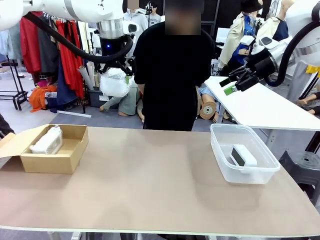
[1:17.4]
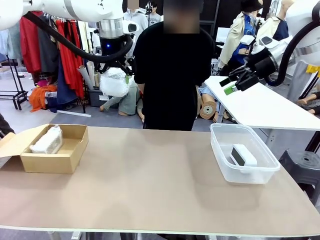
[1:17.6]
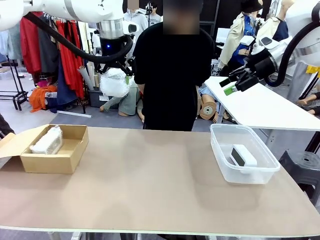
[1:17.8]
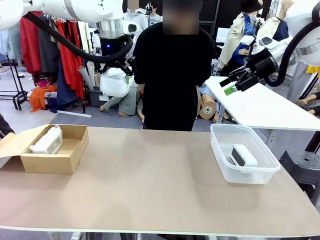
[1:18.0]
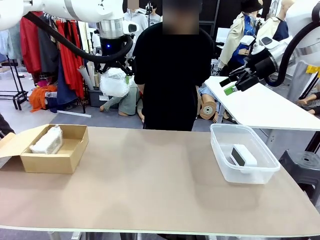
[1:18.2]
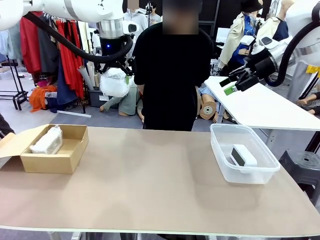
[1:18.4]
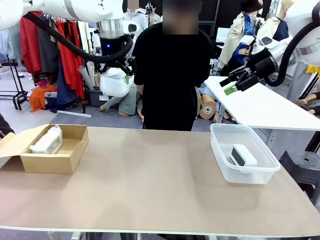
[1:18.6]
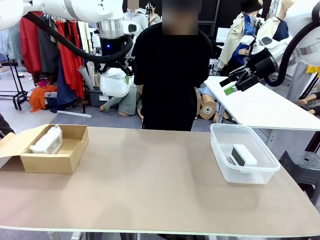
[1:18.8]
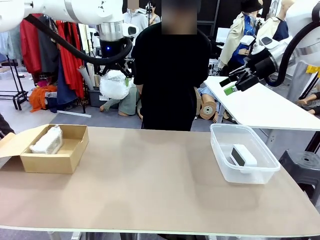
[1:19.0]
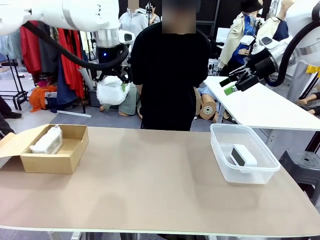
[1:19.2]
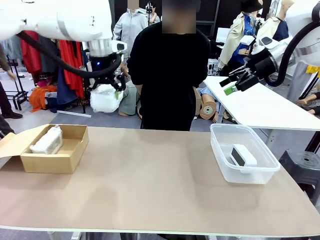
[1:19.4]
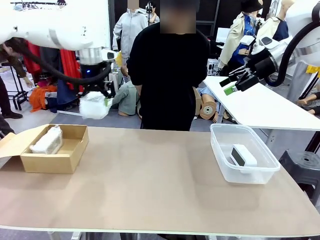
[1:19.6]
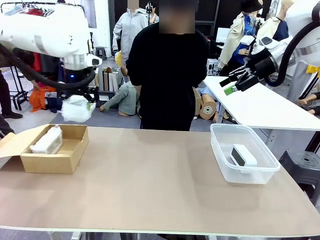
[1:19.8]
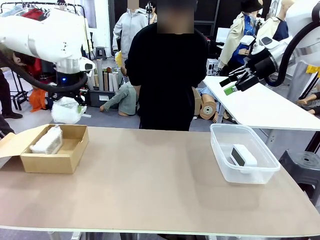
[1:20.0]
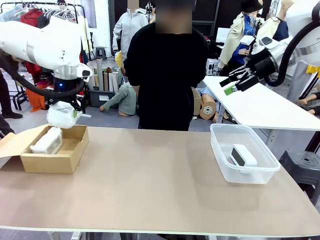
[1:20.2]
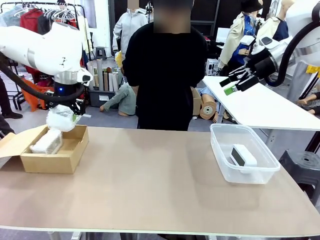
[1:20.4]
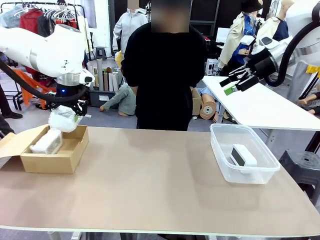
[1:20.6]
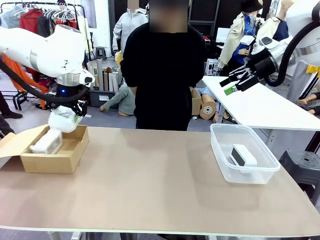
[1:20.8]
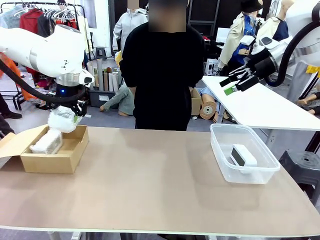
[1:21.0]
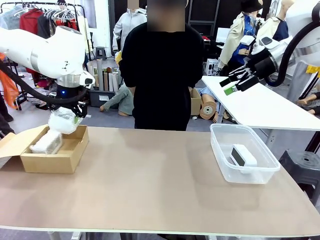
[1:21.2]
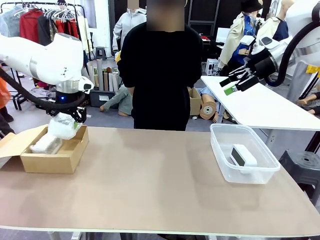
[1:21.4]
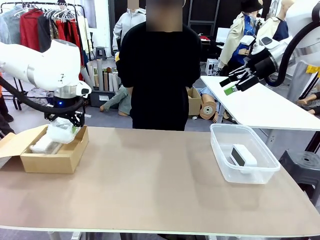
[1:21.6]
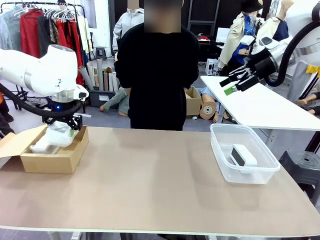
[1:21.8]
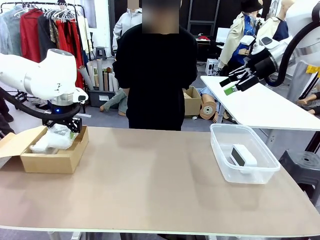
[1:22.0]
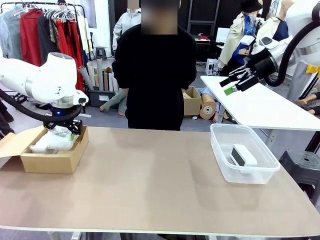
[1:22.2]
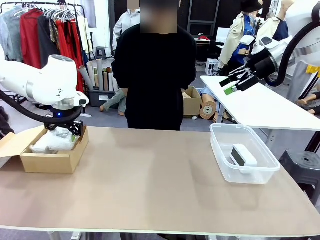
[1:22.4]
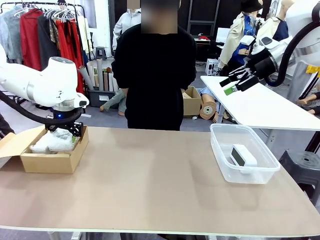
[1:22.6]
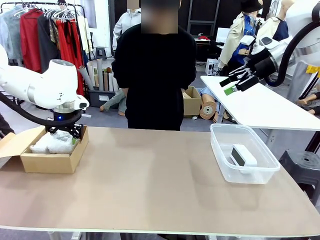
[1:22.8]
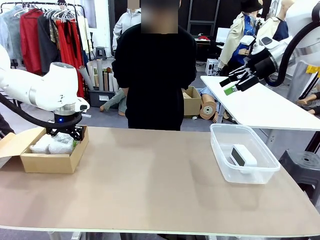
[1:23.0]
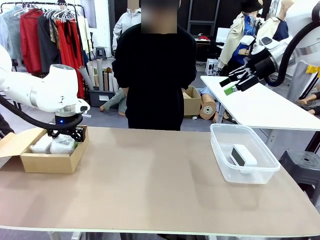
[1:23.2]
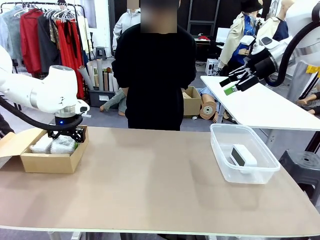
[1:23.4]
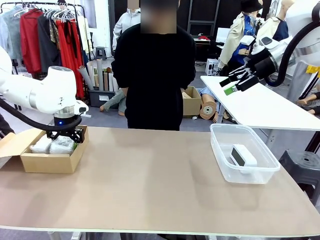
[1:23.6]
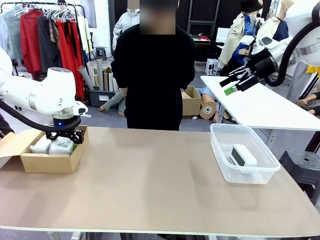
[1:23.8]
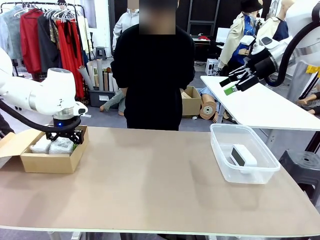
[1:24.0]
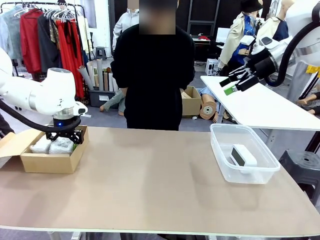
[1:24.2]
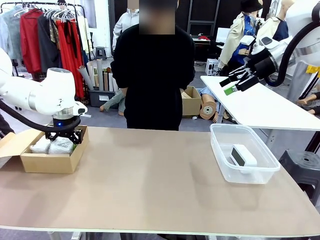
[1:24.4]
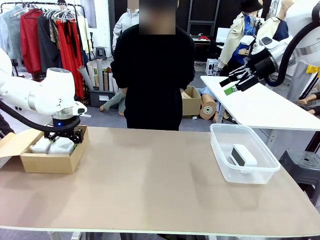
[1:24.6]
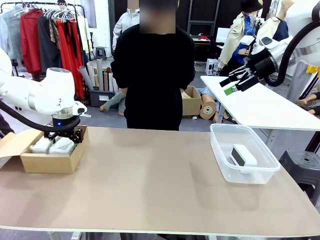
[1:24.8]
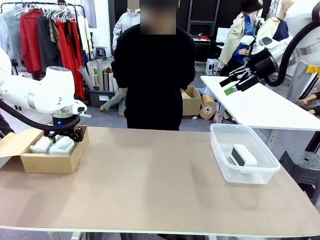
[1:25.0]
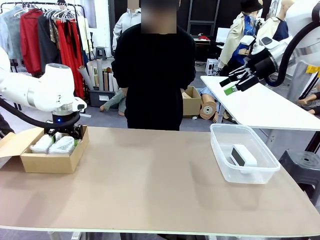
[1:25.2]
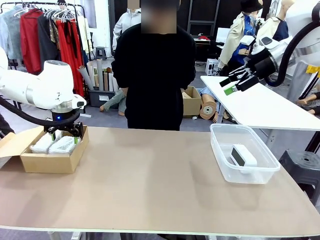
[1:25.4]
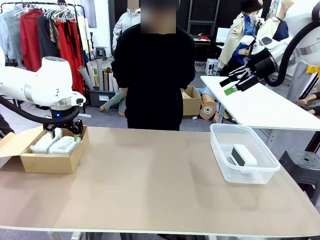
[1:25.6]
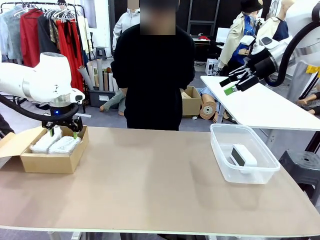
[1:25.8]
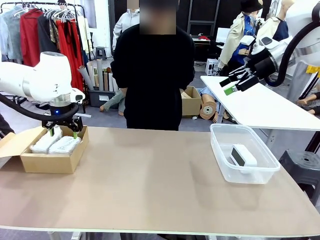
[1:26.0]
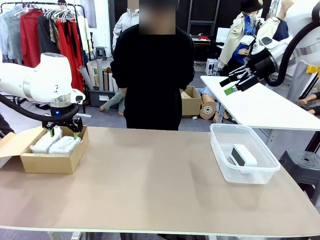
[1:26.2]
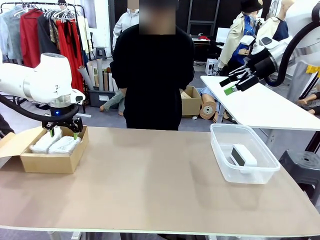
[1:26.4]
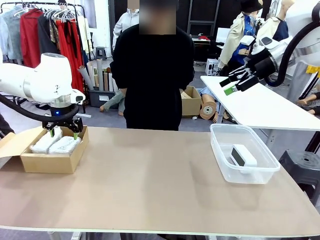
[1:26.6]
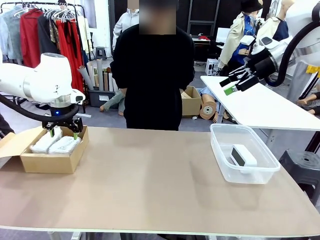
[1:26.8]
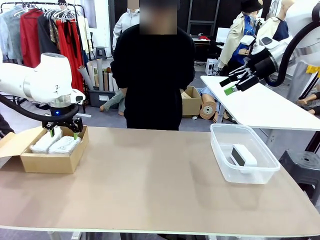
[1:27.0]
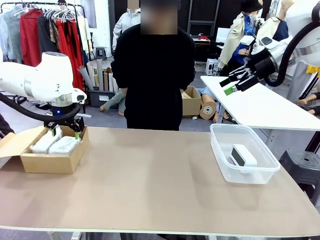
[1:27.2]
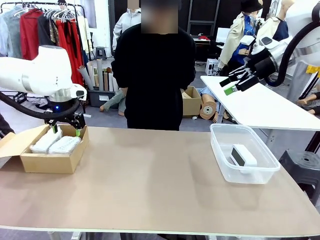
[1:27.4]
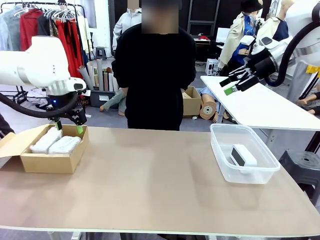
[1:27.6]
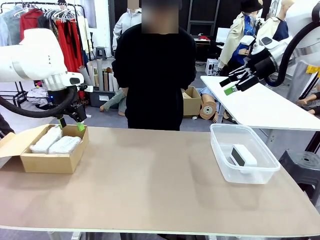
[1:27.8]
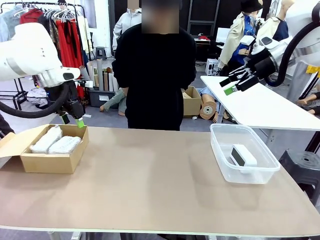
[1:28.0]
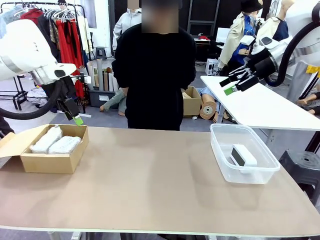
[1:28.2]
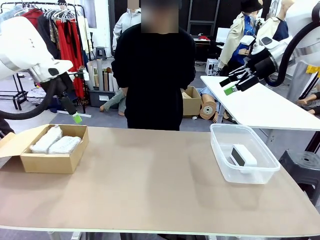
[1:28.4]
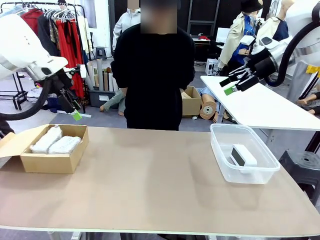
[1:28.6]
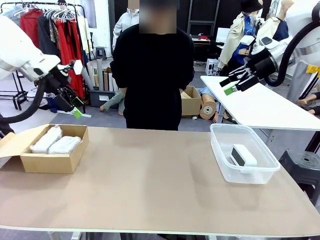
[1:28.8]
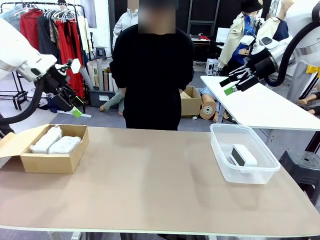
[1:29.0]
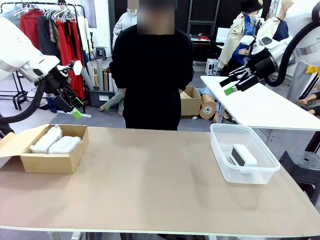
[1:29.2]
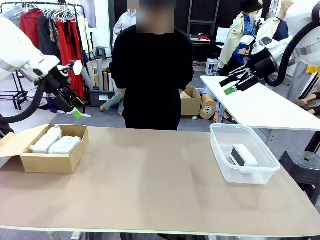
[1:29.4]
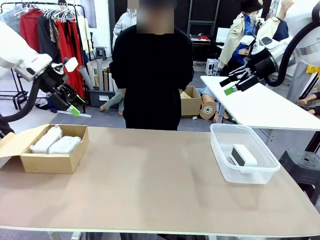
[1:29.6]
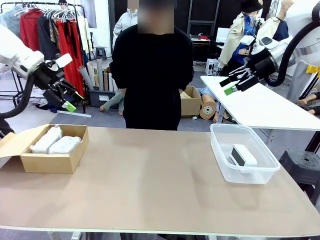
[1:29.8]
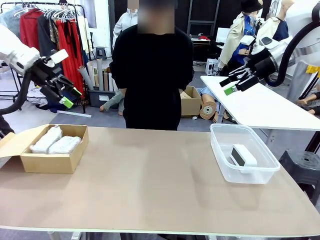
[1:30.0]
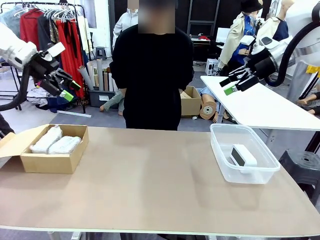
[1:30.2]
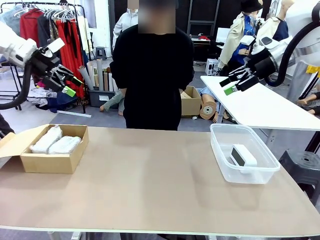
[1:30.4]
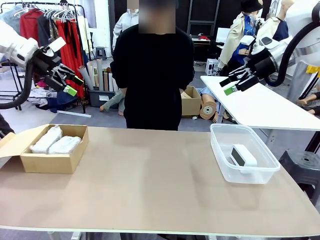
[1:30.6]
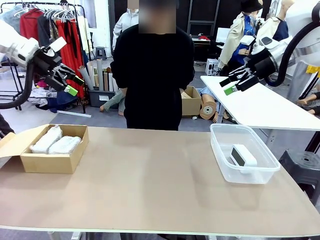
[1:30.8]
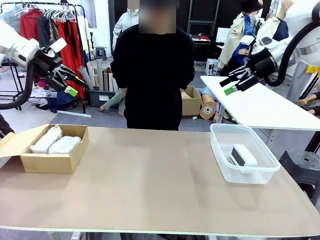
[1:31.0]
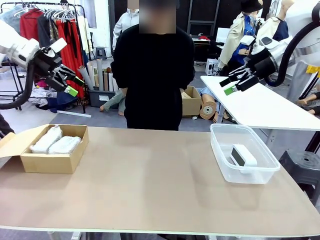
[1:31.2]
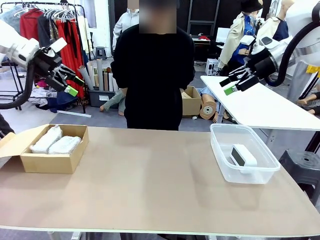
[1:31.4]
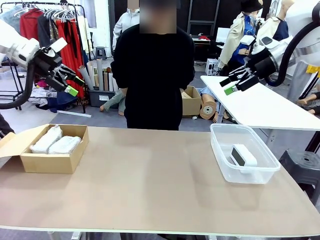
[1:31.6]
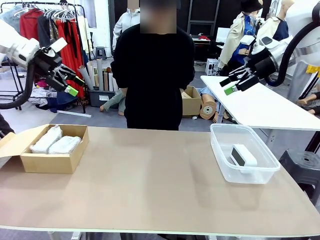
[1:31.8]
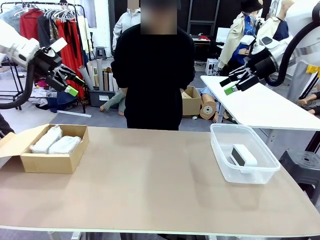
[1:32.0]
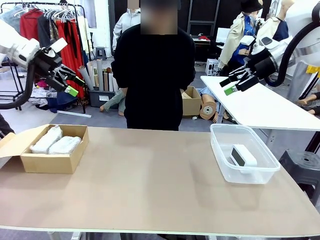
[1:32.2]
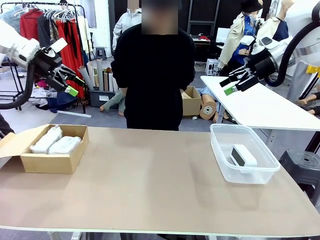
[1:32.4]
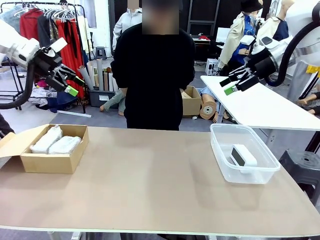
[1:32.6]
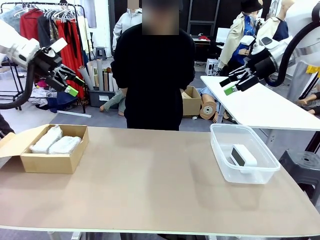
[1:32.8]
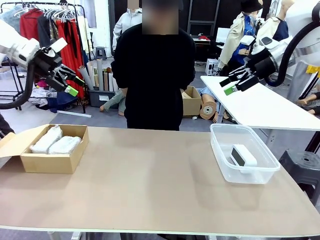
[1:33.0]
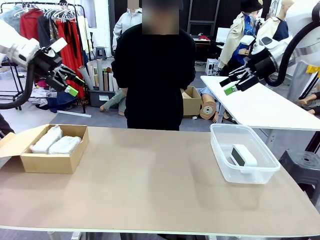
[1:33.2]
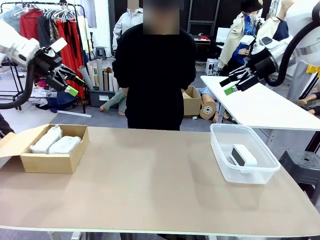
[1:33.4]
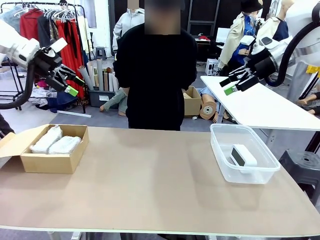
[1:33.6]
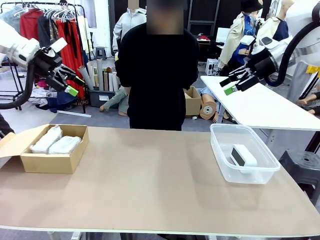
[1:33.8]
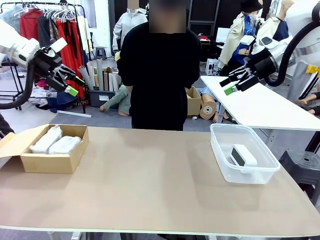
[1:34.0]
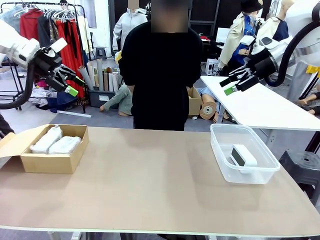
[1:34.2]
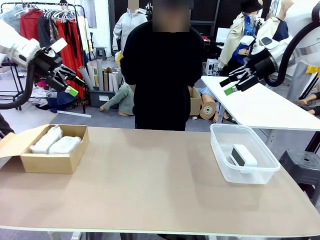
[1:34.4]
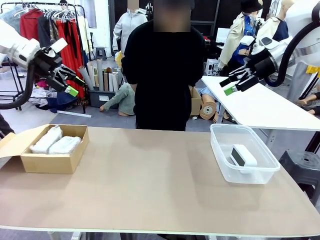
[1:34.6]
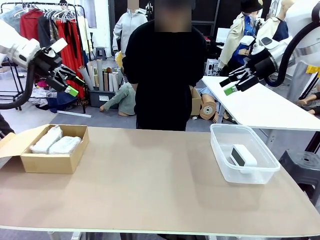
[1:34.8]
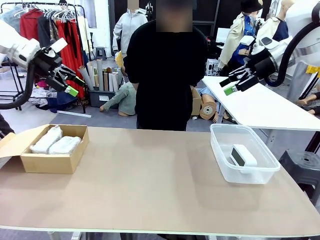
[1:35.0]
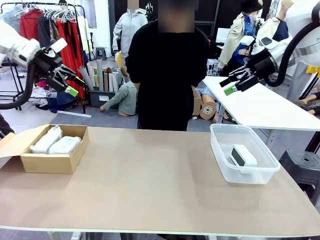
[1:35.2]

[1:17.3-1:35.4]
Task: Separate and place wrapped and unwrapped clocks.
Robot: If the picked Digital clock is wrapped, place it in the Package Box ; if not, place it in the Organizing box.
